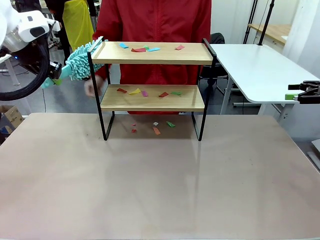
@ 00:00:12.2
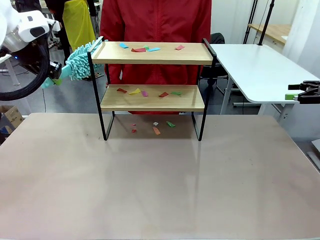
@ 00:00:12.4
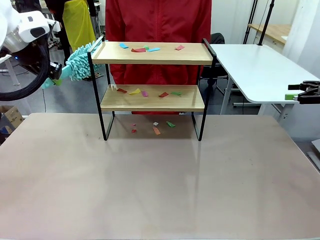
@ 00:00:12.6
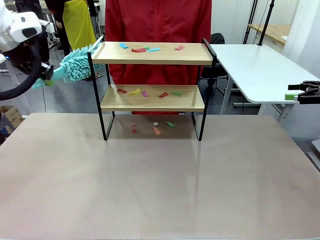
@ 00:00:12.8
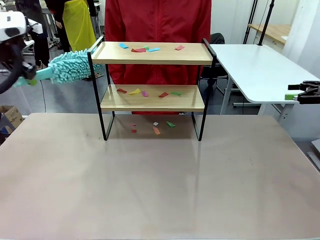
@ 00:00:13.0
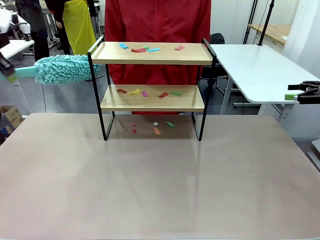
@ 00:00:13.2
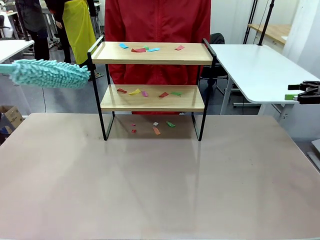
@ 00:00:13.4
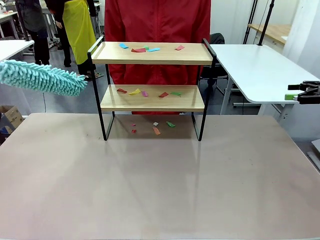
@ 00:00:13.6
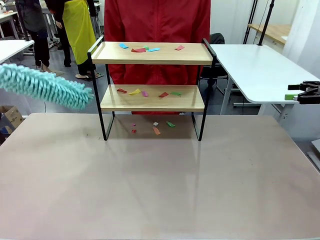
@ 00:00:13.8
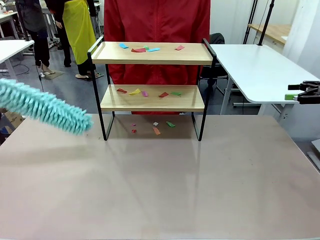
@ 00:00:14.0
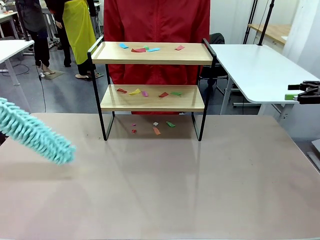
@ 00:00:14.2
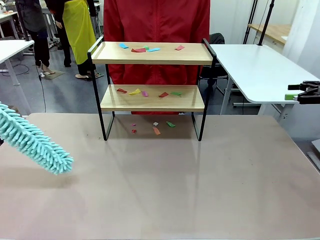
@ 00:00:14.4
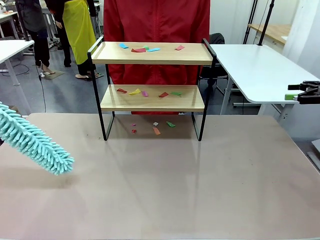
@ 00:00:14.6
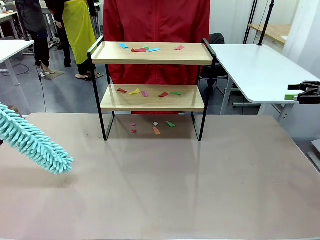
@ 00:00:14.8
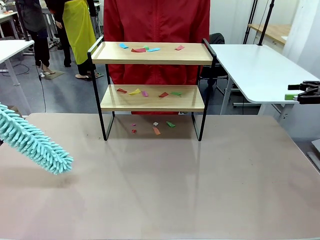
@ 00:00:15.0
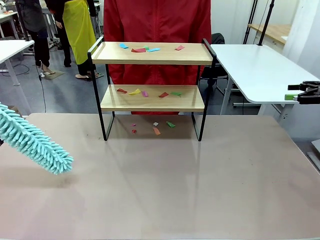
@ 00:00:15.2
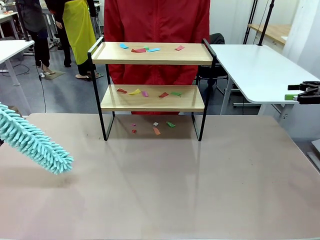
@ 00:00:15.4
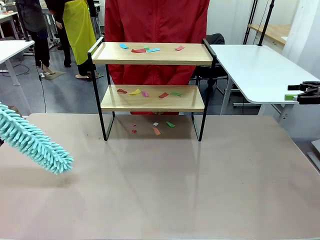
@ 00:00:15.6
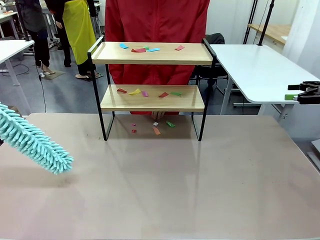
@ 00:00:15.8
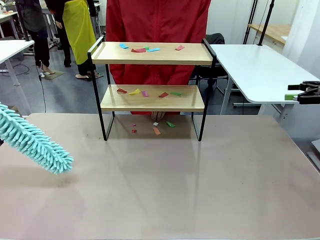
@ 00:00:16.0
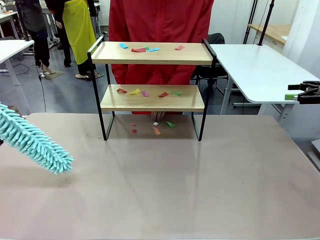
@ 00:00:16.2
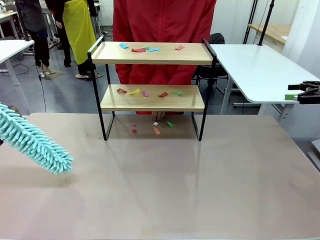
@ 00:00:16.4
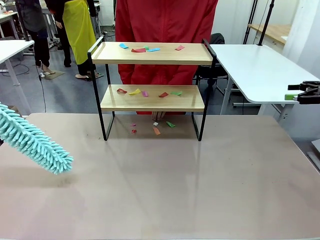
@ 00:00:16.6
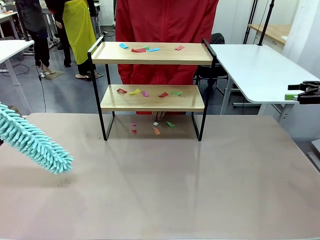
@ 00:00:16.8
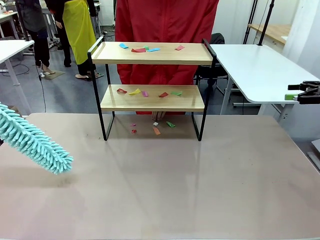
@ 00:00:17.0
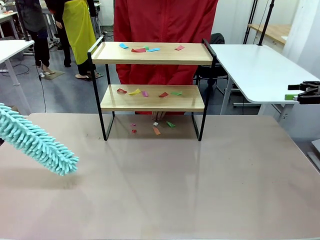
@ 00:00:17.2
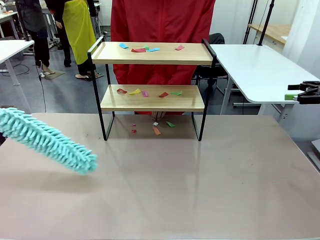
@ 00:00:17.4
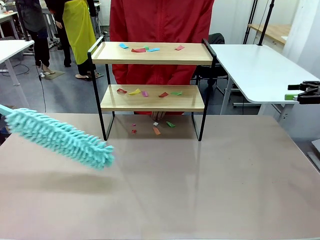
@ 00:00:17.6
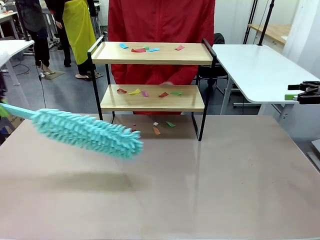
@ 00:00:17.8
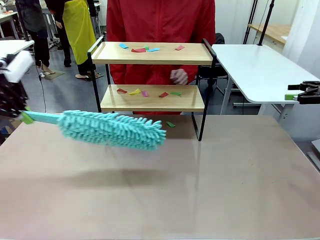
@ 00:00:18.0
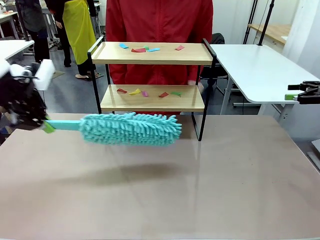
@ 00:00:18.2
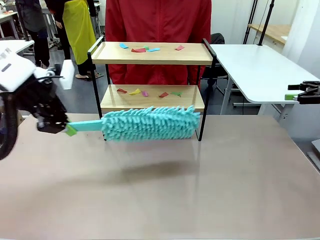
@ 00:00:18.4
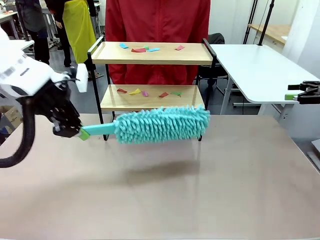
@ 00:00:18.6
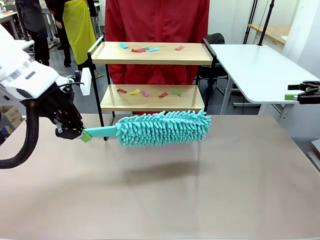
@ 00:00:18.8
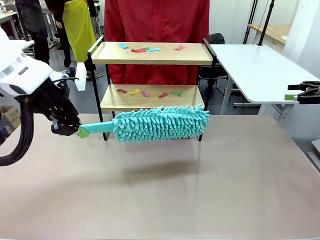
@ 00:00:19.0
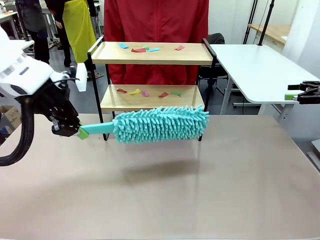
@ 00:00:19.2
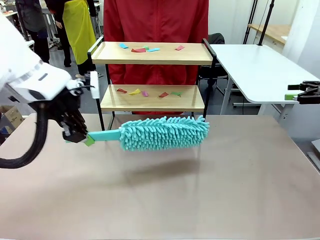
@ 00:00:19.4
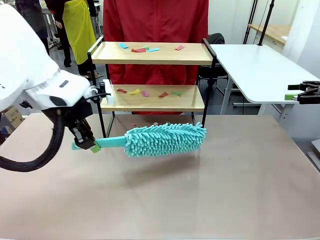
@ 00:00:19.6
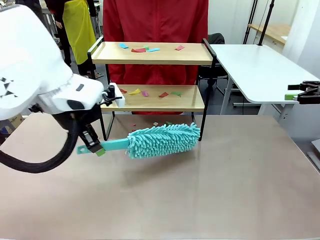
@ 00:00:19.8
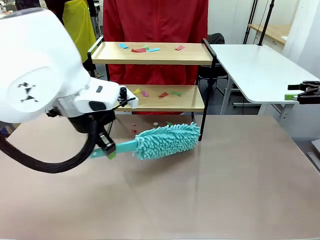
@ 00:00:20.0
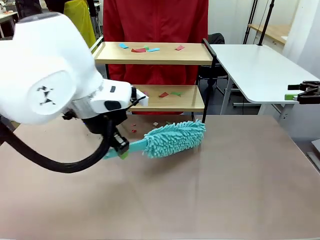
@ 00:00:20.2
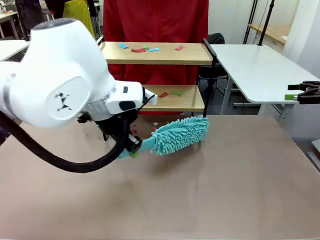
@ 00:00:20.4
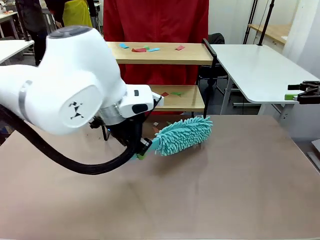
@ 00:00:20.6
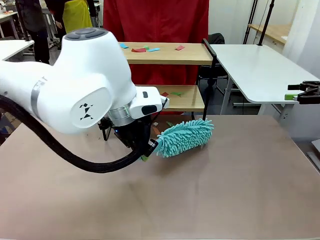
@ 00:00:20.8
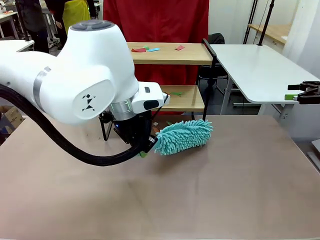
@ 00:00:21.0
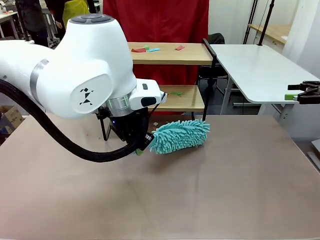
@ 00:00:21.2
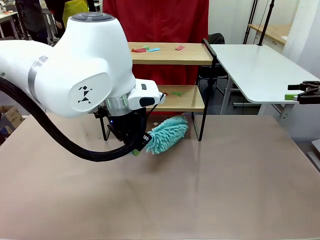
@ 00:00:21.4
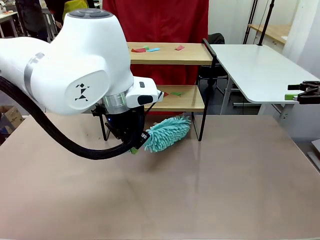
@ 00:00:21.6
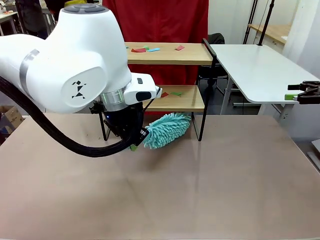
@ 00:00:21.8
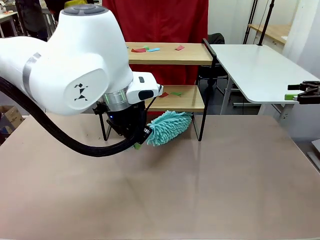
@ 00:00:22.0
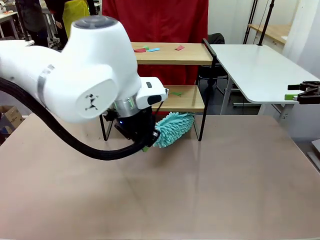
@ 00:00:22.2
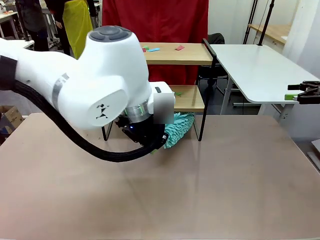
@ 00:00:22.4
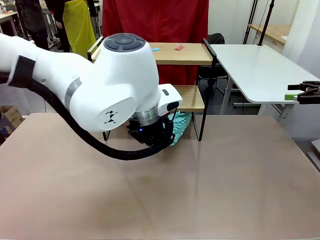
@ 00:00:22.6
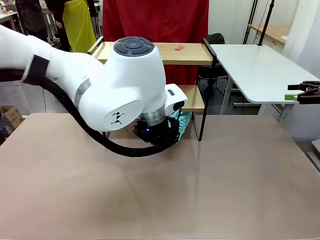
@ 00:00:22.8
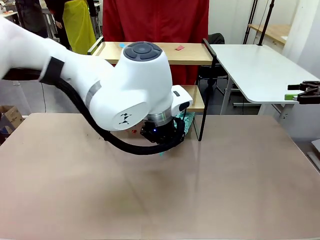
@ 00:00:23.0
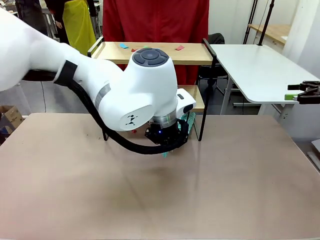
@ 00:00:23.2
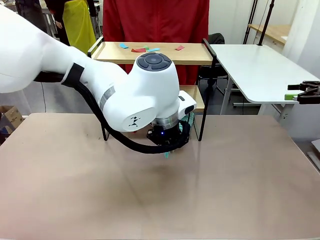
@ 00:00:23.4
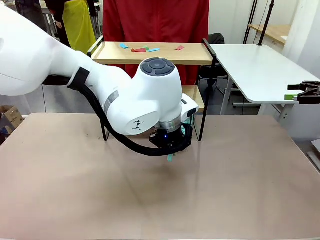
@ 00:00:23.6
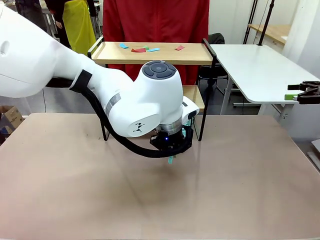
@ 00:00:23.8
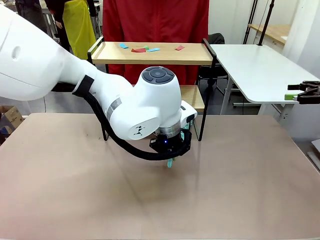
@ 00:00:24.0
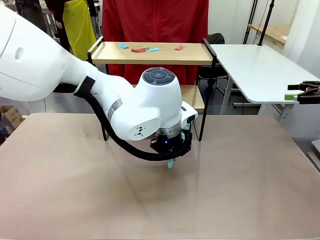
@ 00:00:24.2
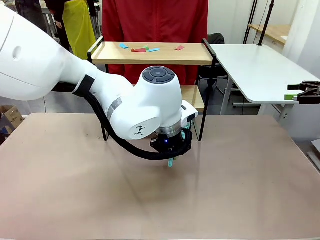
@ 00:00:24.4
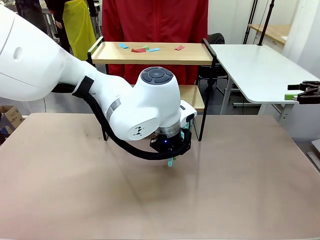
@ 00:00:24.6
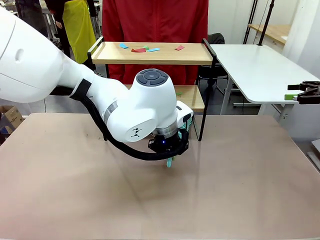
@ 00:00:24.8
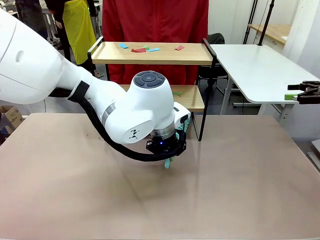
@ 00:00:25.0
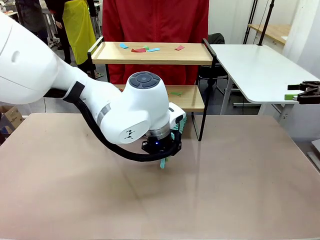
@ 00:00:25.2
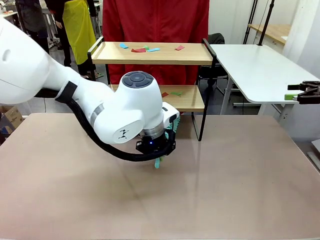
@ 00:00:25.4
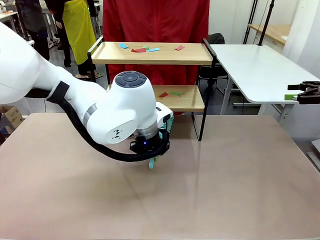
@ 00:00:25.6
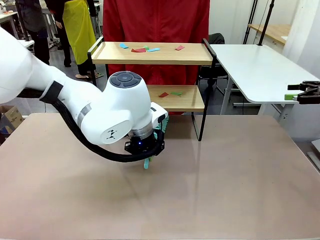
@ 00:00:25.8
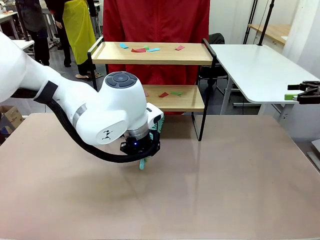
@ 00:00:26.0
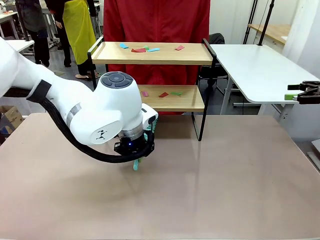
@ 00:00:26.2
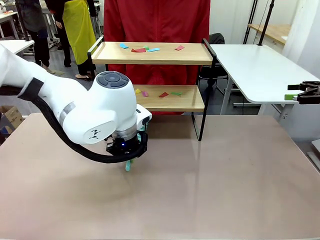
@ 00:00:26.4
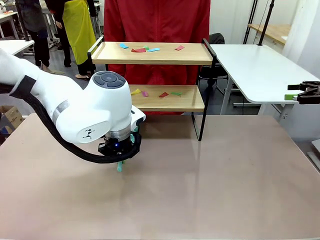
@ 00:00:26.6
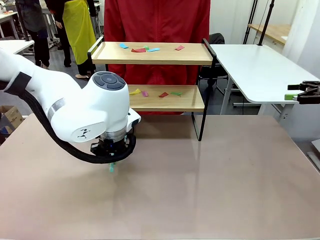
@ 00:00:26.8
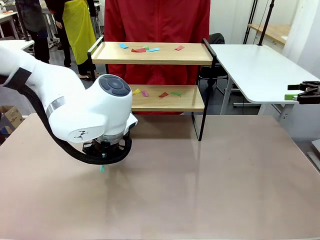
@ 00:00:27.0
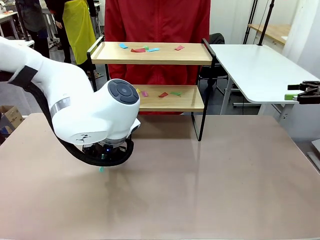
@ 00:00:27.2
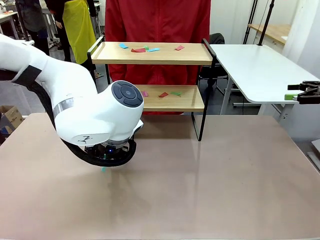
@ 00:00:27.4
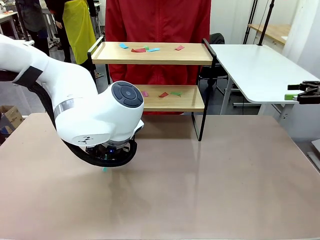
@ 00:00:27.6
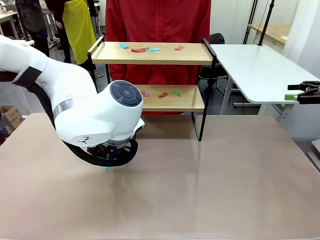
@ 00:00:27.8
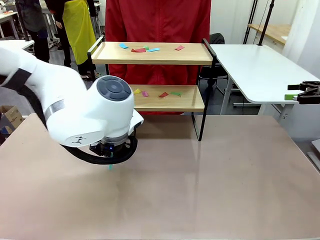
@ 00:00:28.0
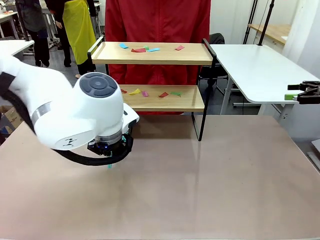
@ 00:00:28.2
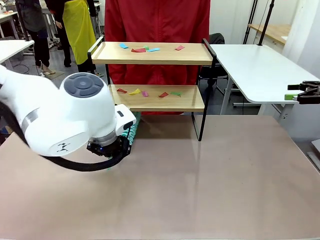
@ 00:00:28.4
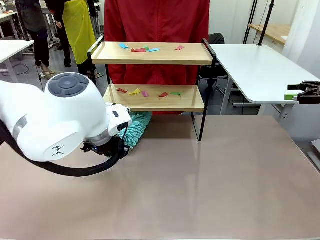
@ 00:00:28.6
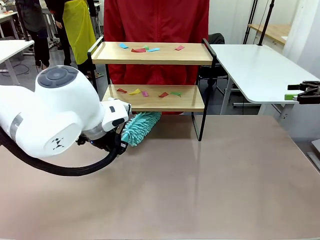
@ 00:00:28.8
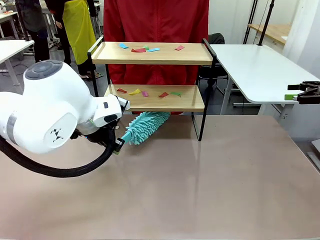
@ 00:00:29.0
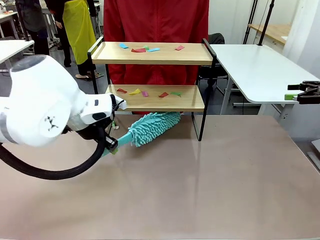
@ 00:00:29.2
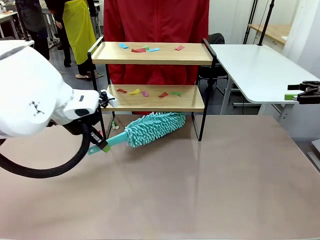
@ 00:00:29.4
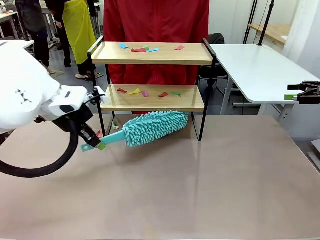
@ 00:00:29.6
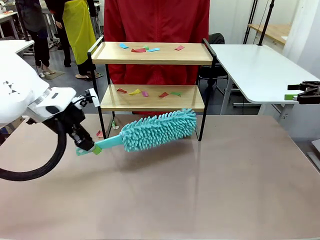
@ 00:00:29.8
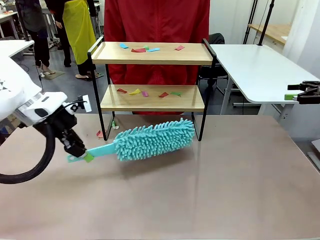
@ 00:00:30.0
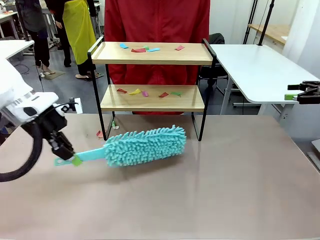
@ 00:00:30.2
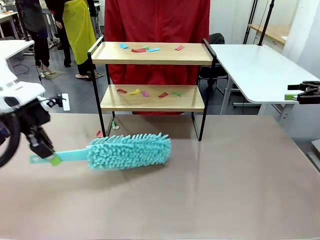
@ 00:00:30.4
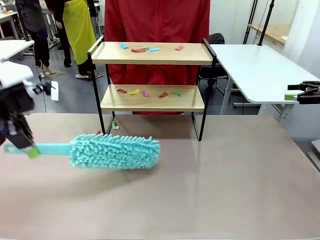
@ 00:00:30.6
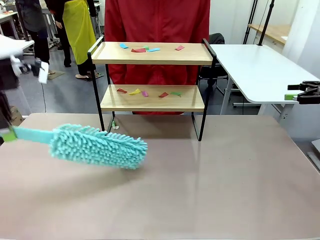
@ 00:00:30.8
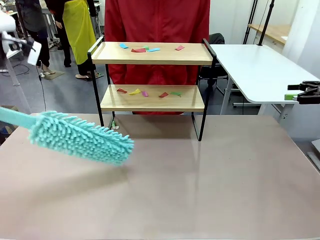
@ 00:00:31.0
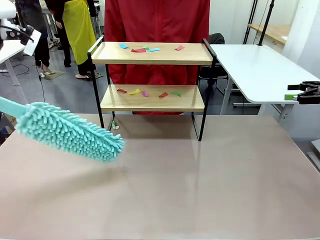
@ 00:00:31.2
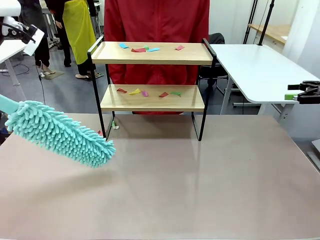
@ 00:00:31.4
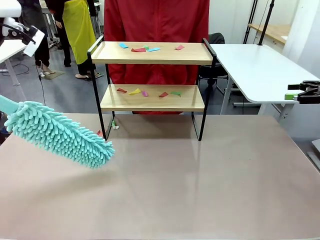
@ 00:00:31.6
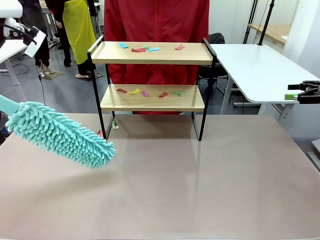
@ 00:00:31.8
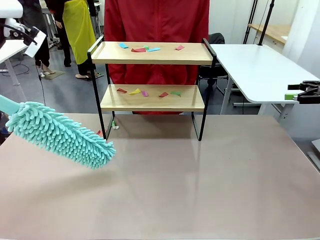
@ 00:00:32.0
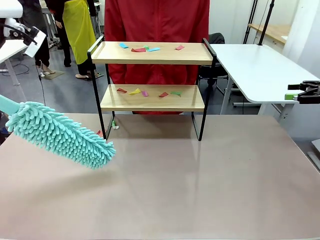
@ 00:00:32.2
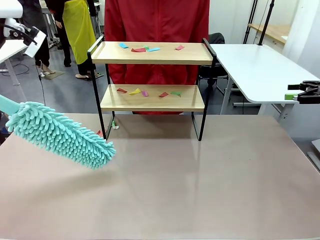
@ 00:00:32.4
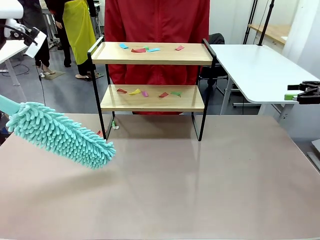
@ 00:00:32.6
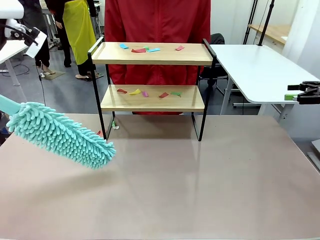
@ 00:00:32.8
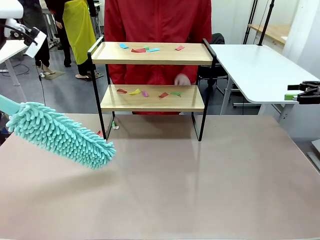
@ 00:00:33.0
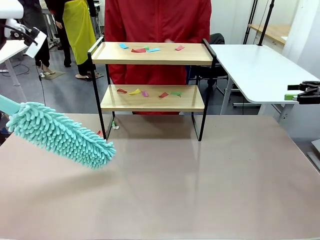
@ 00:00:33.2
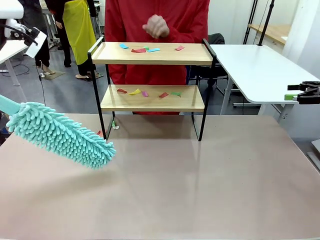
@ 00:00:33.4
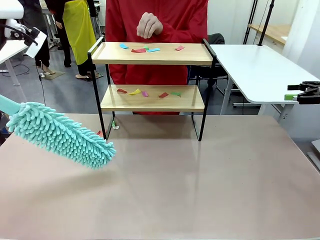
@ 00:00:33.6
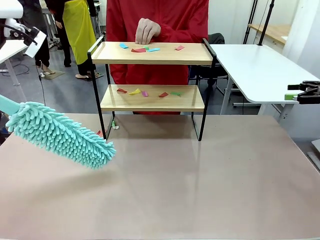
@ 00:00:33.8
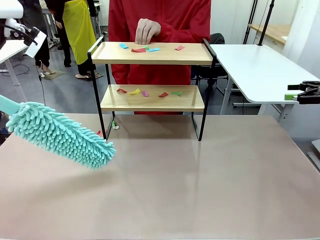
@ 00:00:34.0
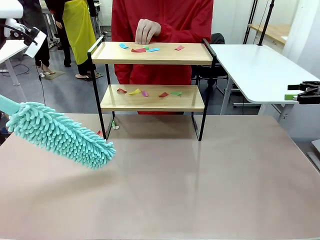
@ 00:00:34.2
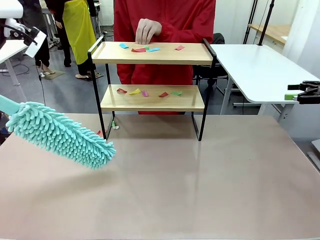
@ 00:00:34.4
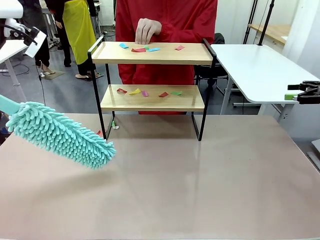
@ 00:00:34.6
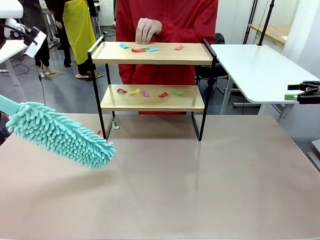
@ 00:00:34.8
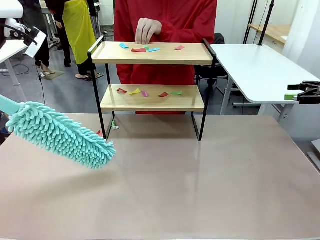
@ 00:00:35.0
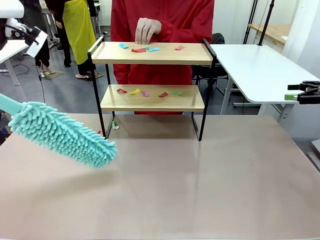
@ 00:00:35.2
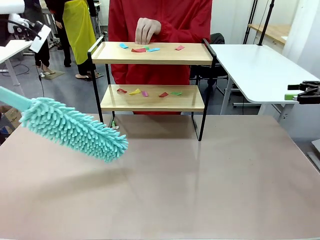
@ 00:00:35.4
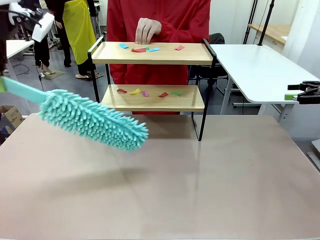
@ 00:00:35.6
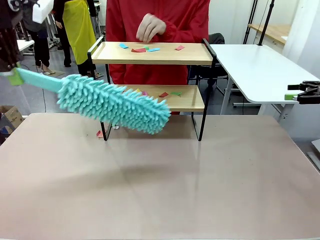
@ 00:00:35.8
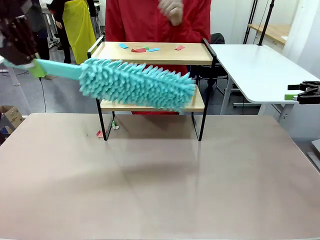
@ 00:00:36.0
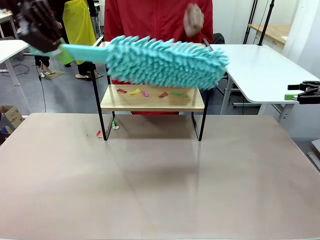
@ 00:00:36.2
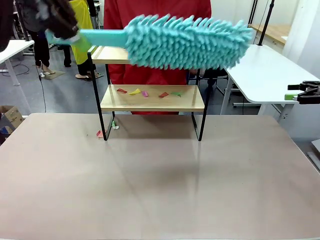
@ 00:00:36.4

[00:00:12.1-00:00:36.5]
Task: Clean the shelf.
Robot: Clean the specific section of the Shelf indicated by the human with the Duster.
Person: Point a random section of the Shelf.
